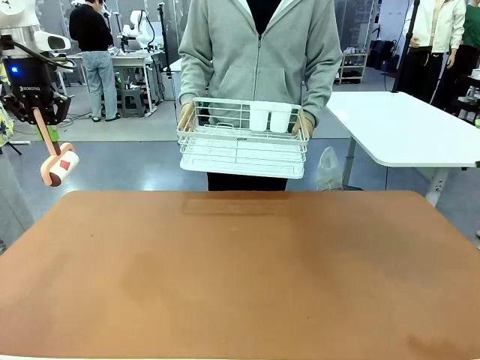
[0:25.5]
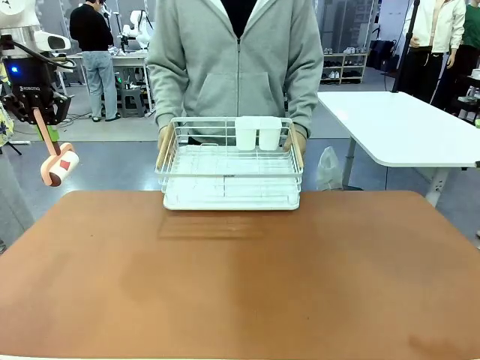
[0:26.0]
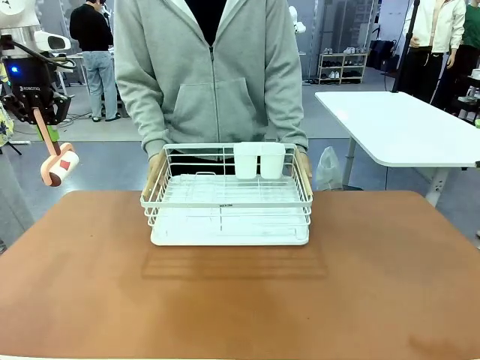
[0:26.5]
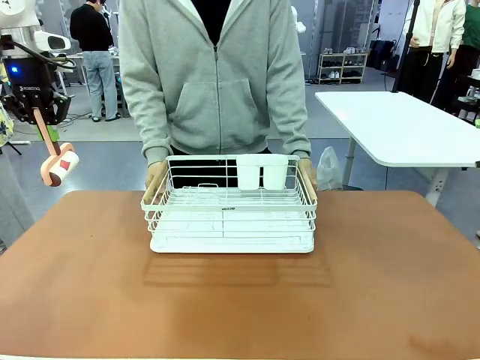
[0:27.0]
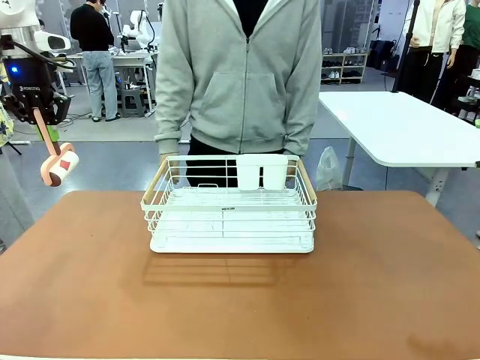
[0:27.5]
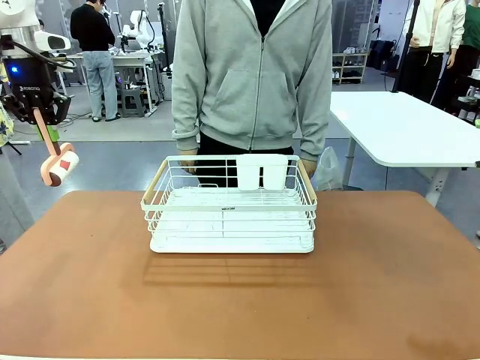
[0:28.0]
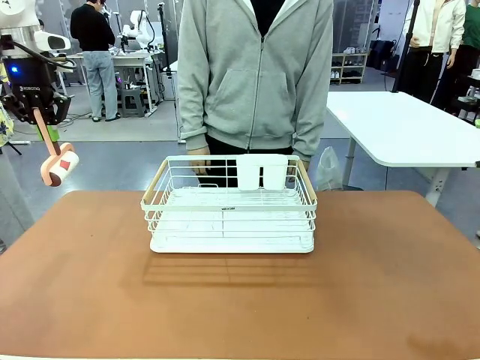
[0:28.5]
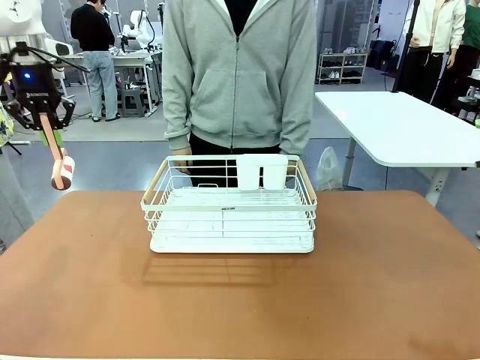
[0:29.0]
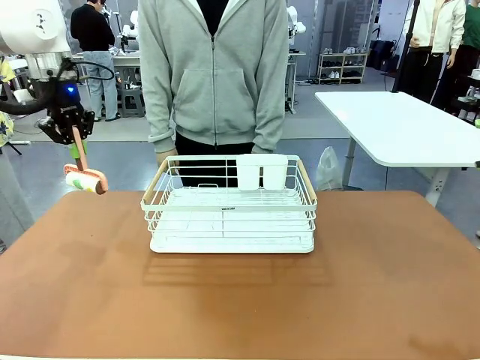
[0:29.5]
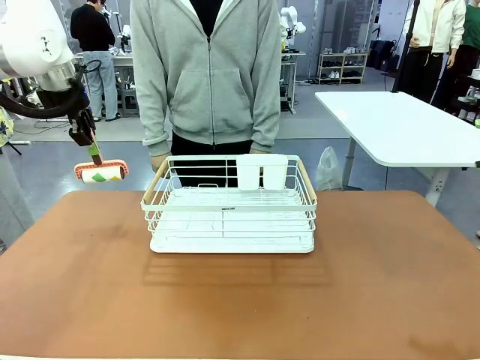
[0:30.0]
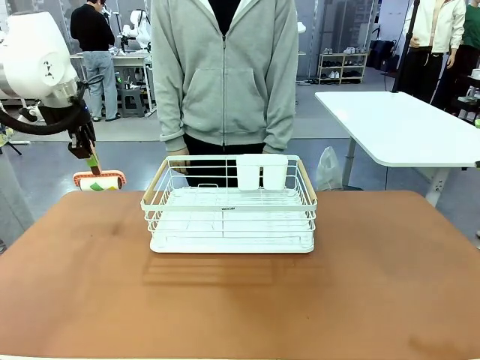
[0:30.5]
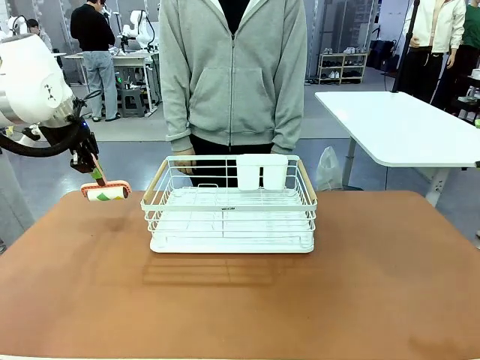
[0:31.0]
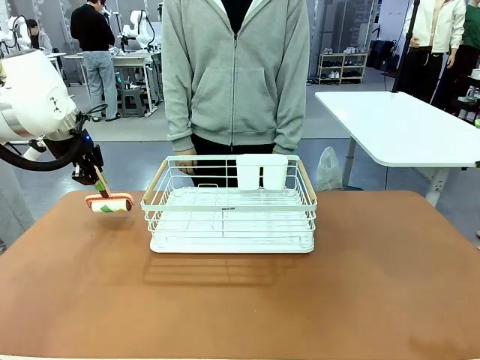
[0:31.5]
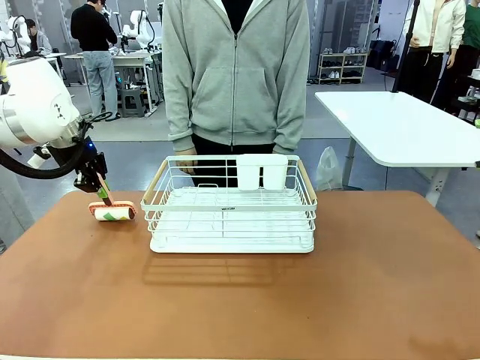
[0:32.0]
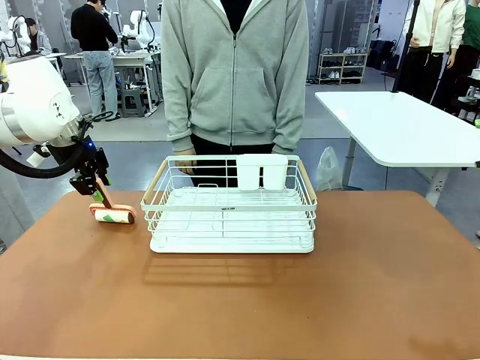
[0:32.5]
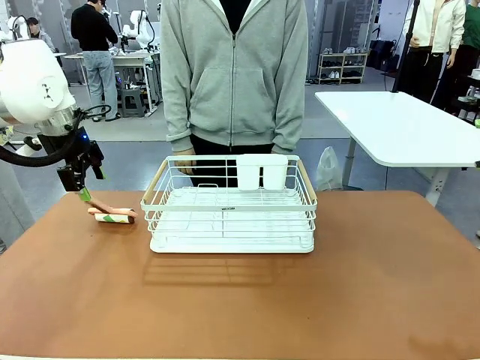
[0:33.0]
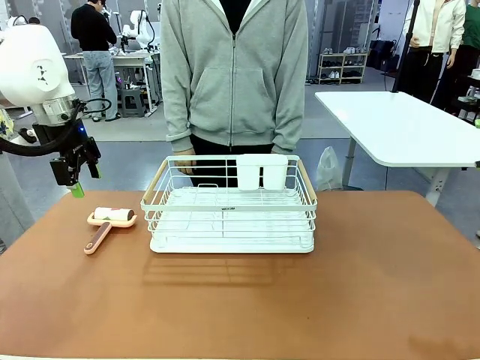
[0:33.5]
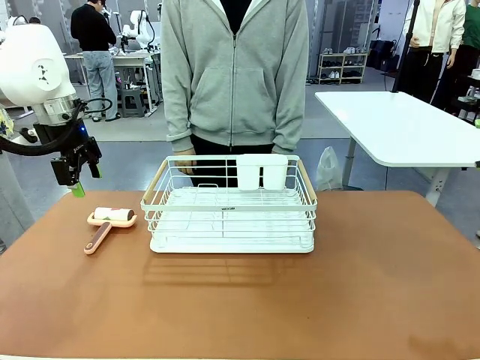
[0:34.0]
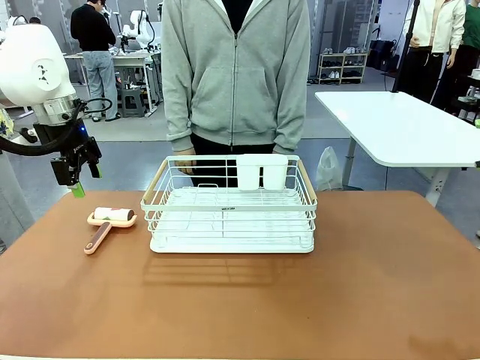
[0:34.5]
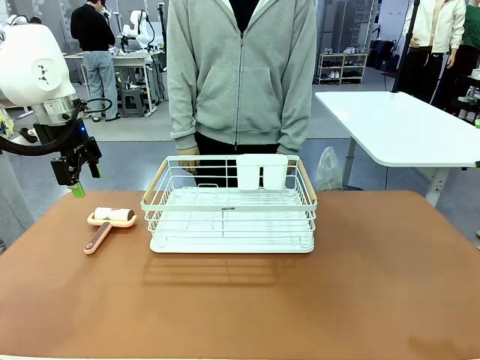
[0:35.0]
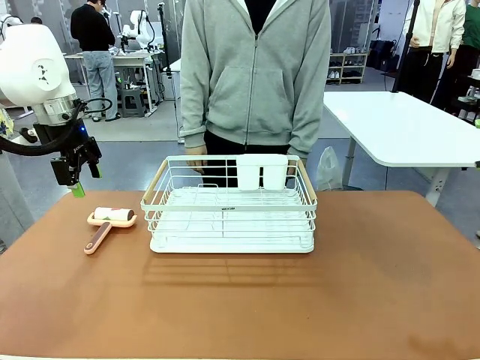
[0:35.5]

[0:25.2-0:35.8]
Task: Clean the table.
Robot: Place the Lint Roller down when the Dish drying rack is positioned in the middle of the table.
Person: Place the Dish drying rack down when the robot finishes cleaning.

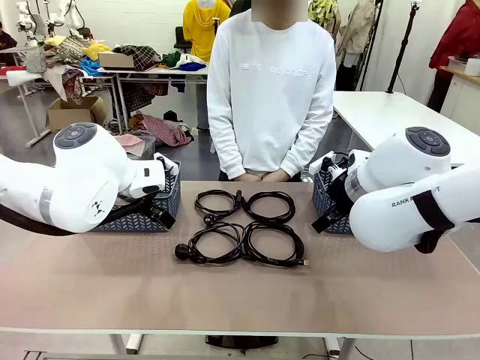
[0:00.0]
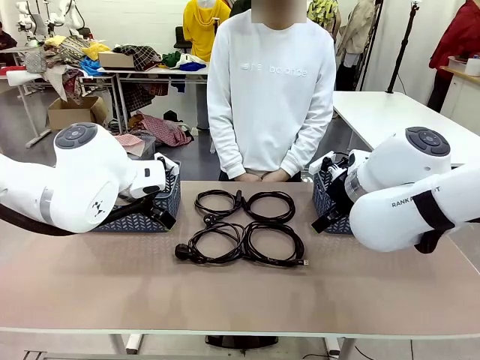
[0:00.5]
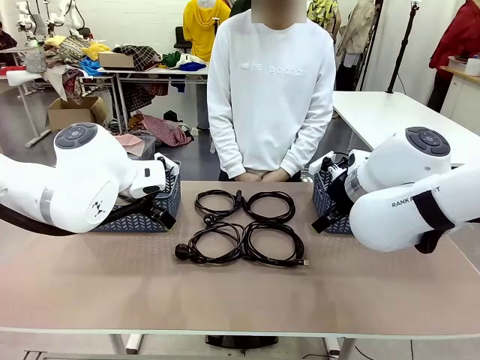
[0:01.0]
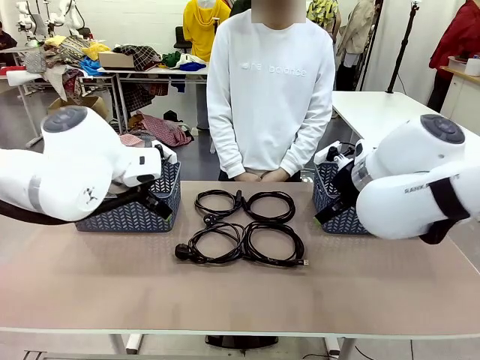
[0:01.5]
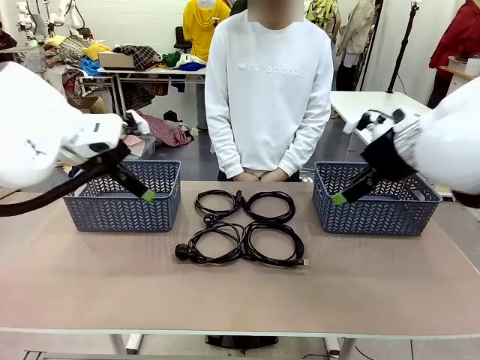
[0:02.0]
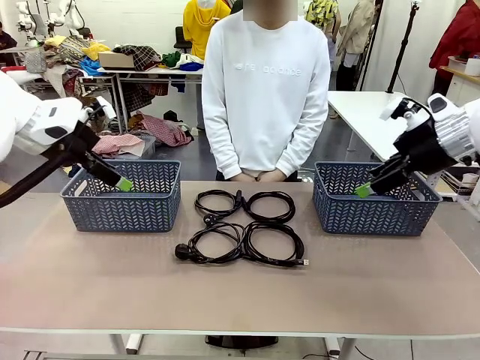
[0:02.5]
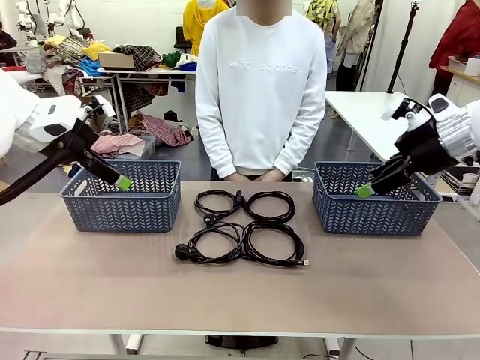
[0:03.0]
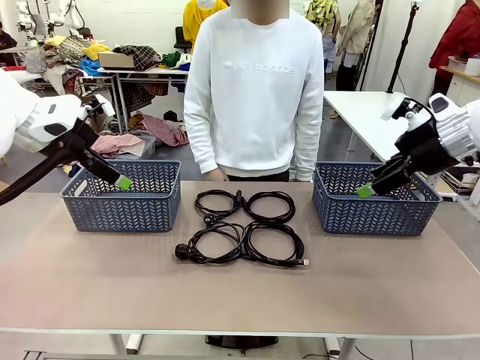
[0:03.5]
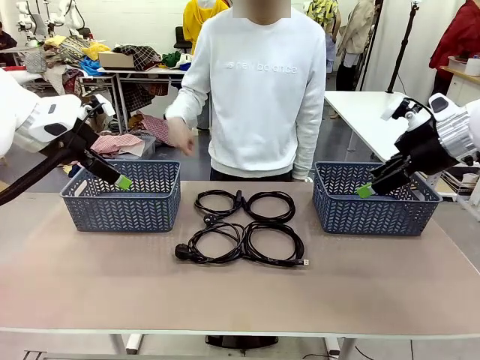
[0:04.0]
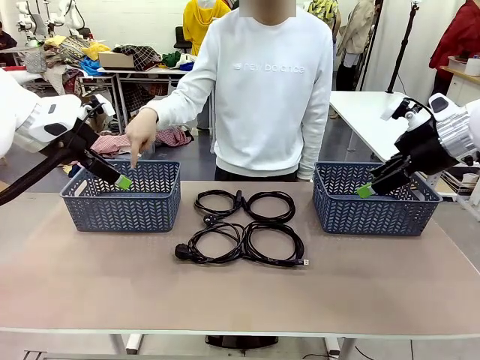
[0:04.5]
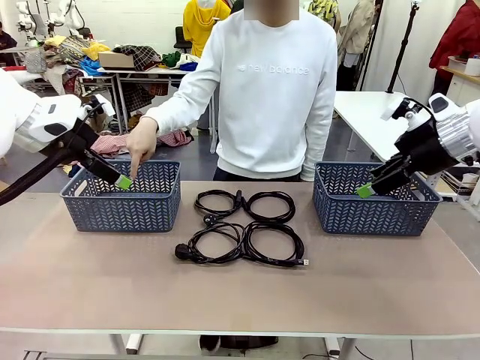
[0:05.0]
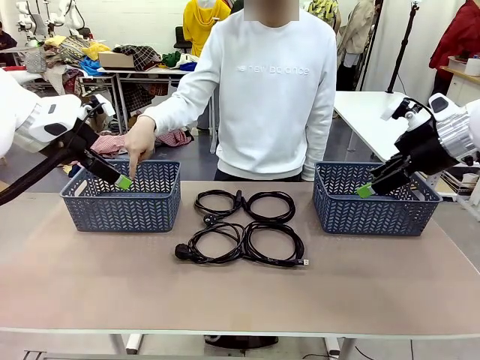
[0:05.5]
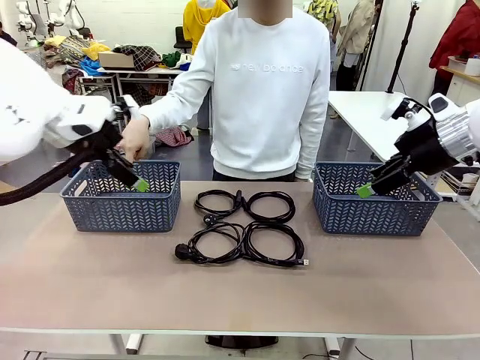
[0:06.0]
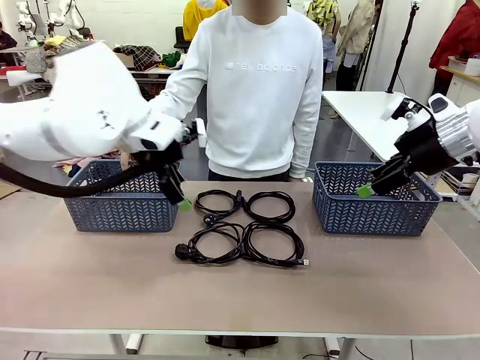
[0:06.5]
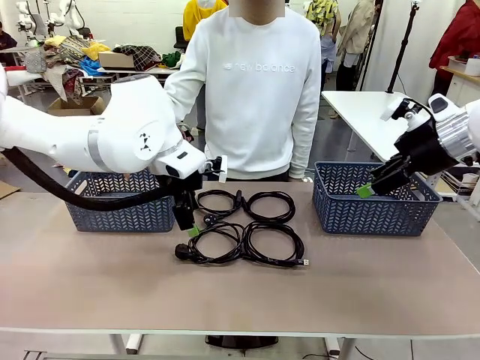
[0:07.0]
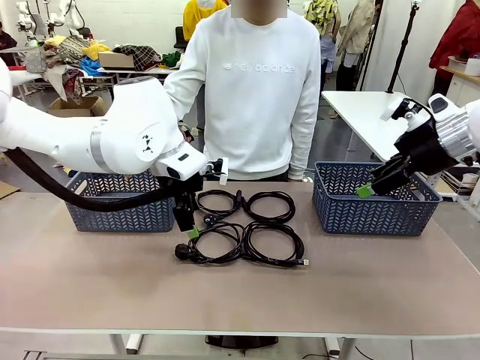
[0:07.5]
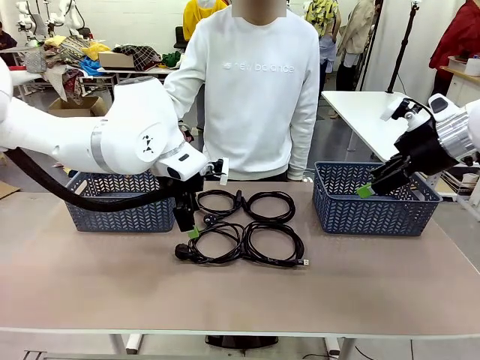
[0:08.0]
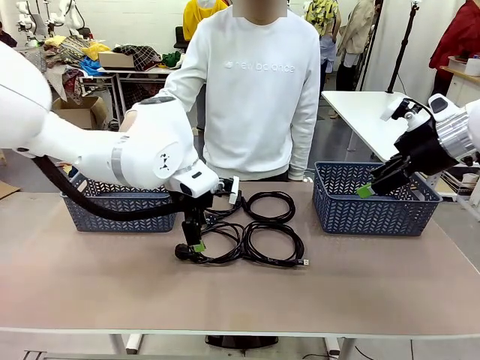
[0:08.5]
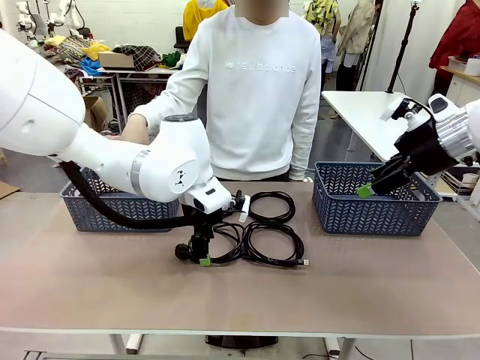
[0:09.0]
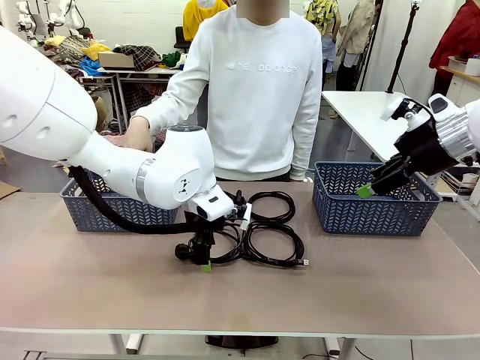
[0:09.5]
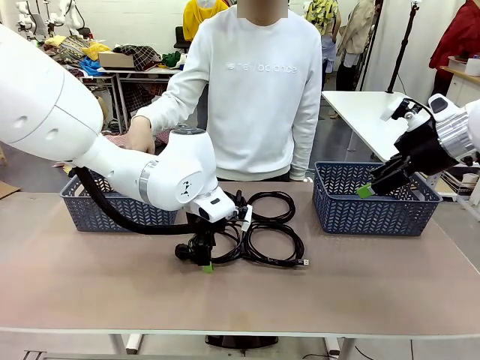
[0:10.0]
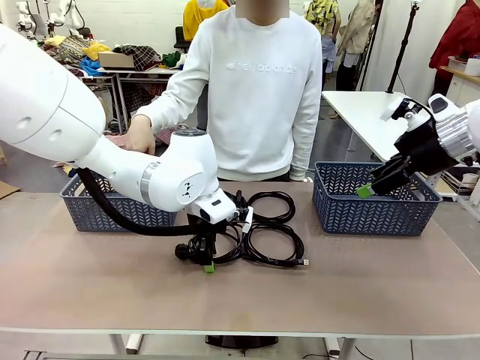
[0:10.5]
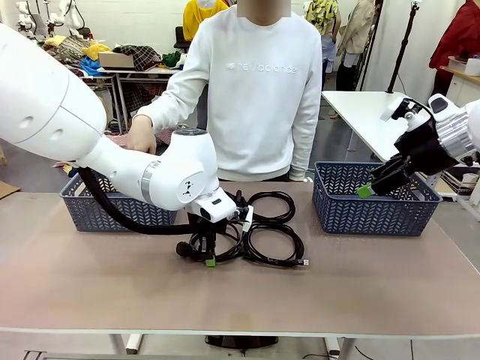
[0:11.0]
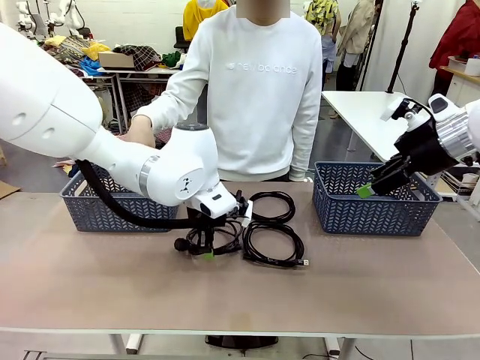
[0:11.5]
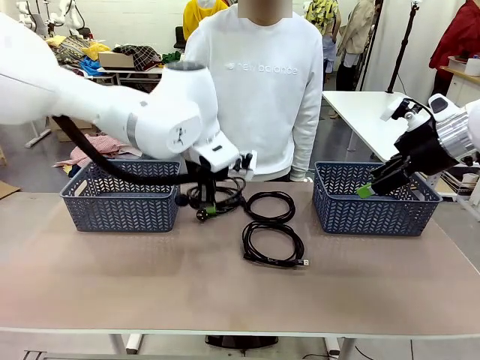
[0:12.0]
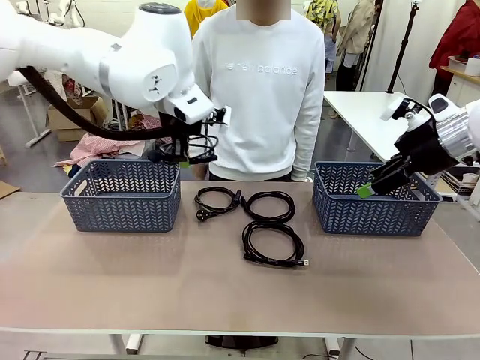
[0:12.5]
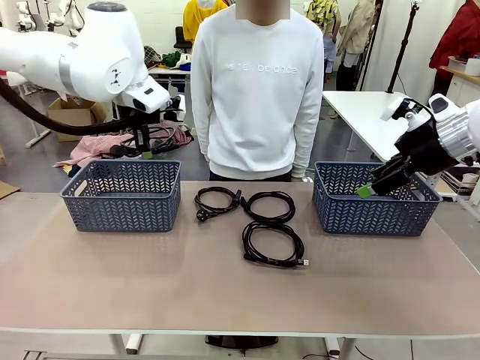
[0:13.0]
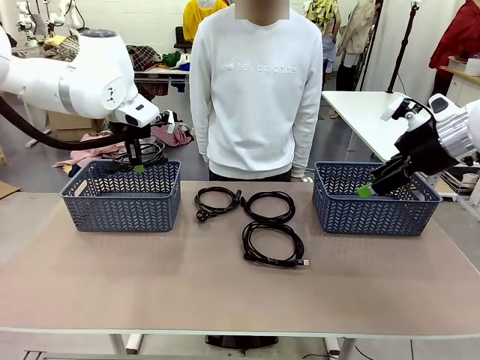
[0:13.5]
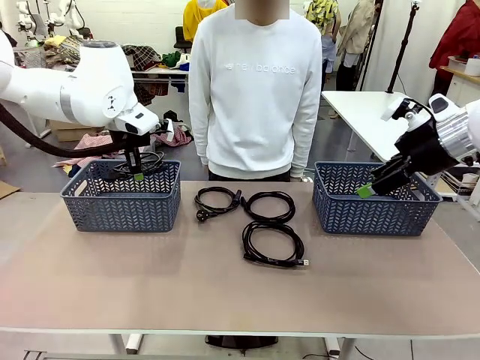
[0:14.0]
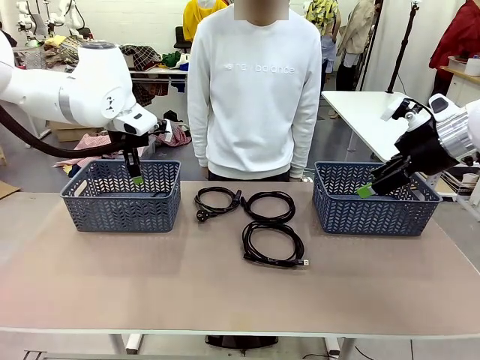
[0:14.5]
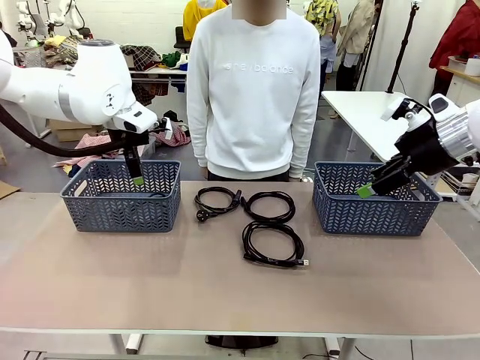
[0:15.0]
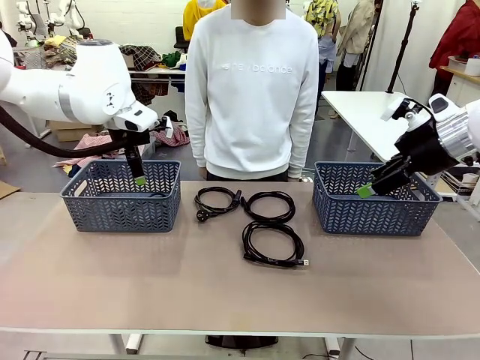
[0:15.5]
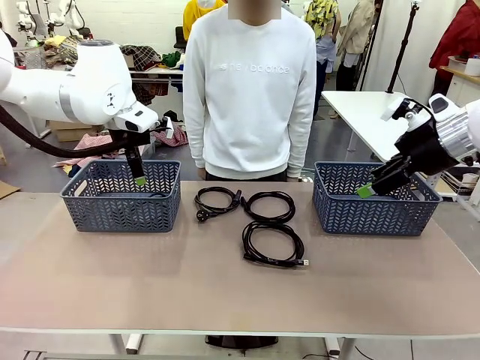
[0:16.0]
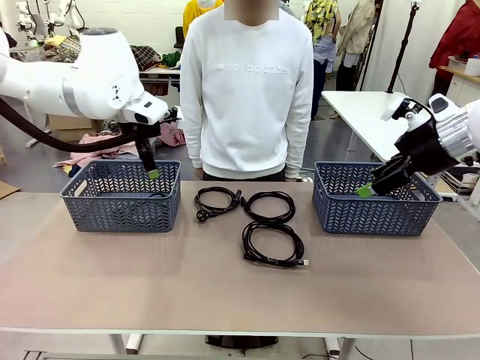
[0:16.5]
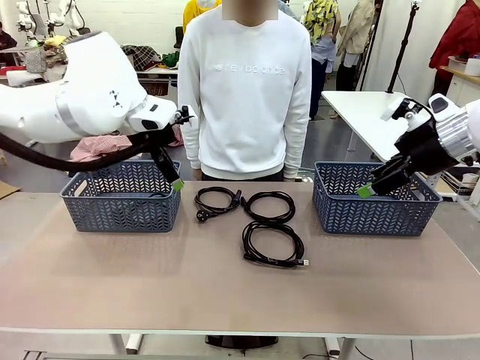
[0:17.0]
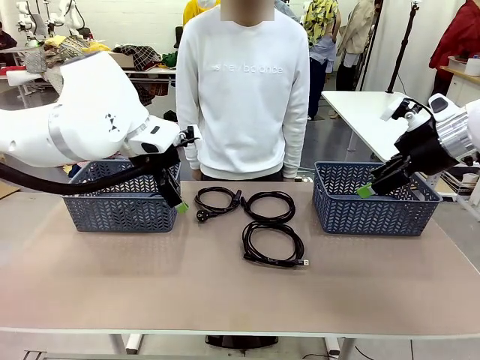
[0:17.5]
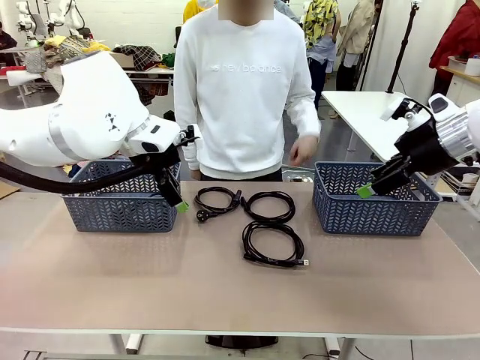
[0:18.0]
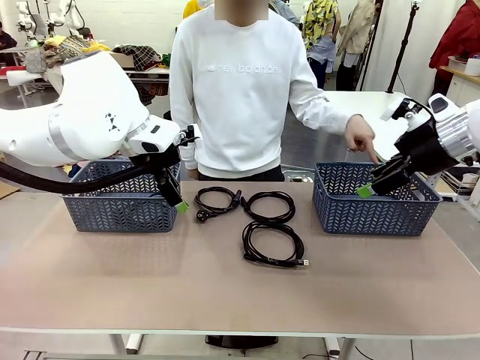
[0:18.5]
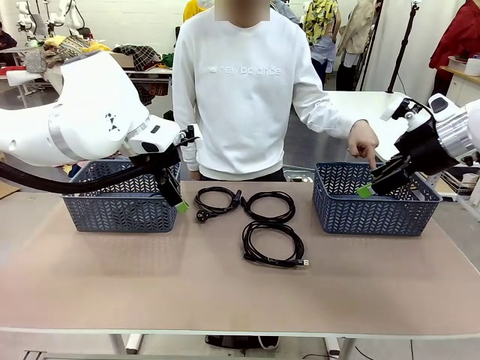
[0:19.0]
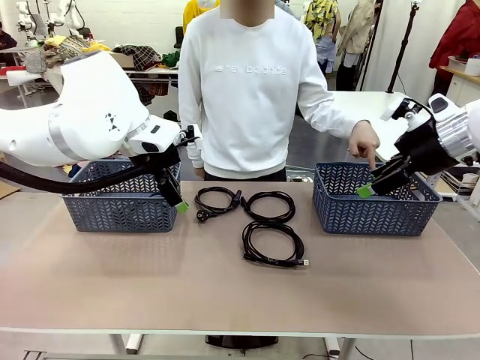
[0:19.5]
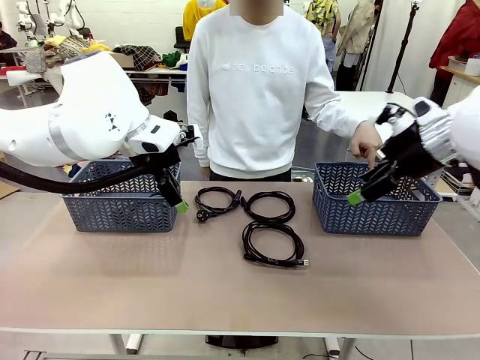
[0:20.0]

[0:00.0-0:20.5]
Task: Organize the cables according to human instructions.
Robot: Pick up a bundle of cables and place it in the basket indicated by the human.
